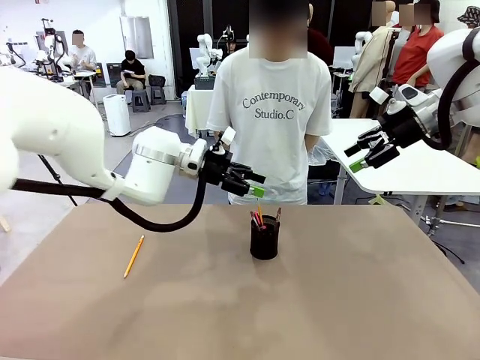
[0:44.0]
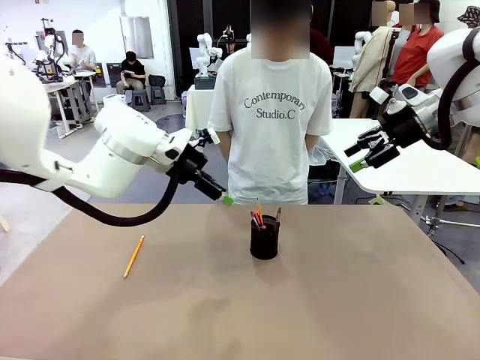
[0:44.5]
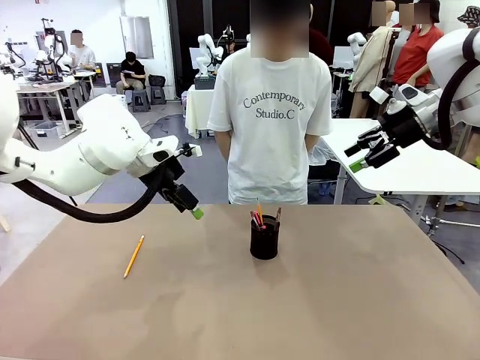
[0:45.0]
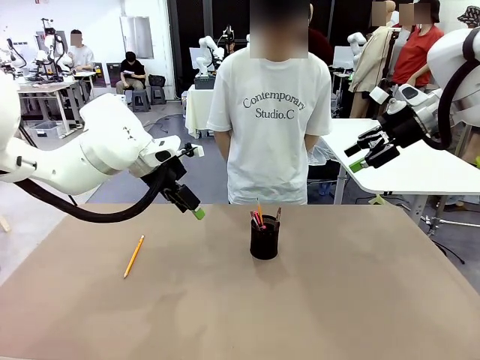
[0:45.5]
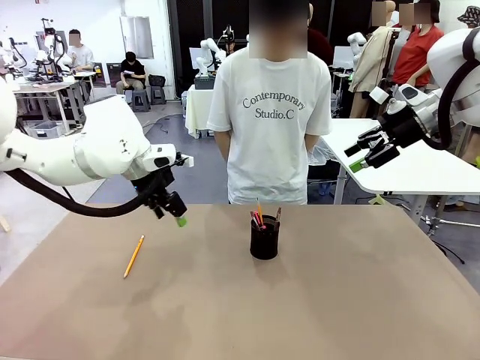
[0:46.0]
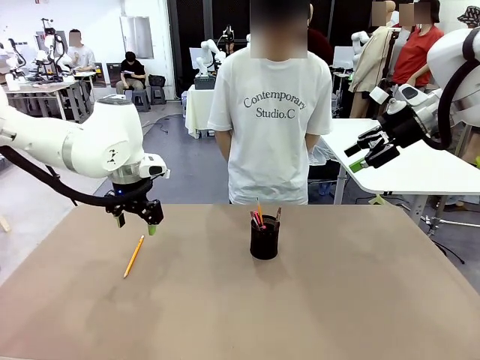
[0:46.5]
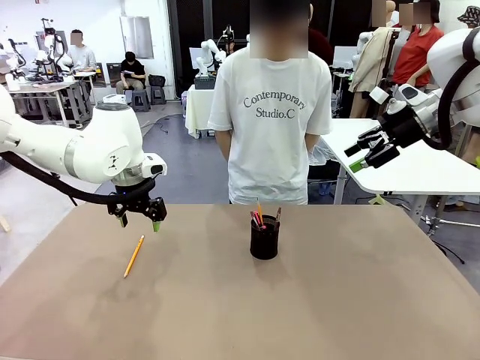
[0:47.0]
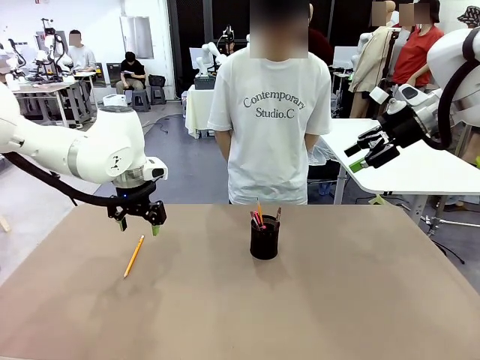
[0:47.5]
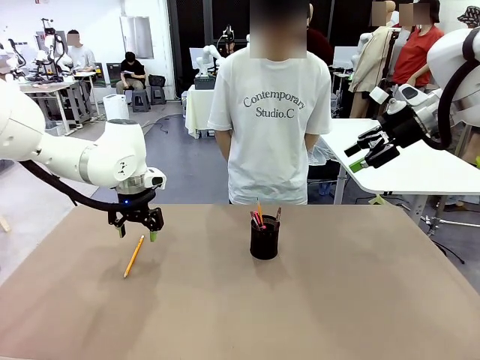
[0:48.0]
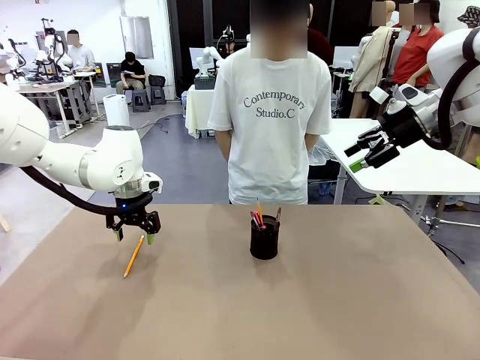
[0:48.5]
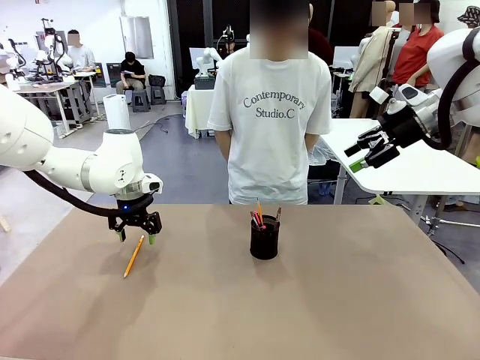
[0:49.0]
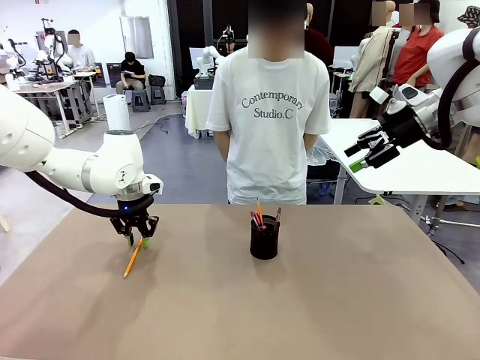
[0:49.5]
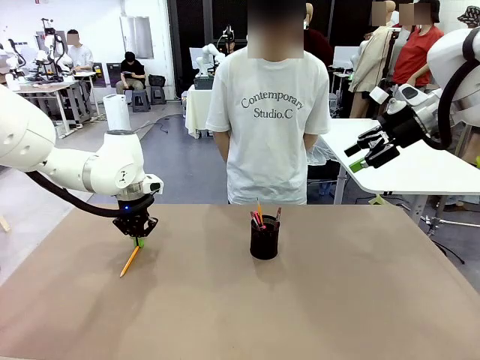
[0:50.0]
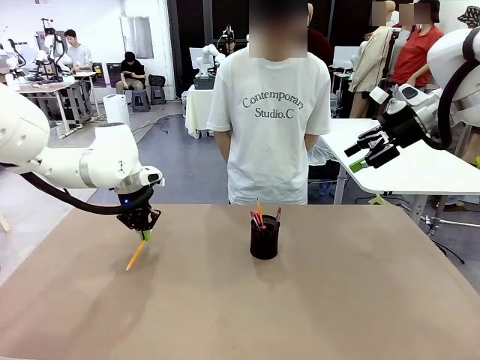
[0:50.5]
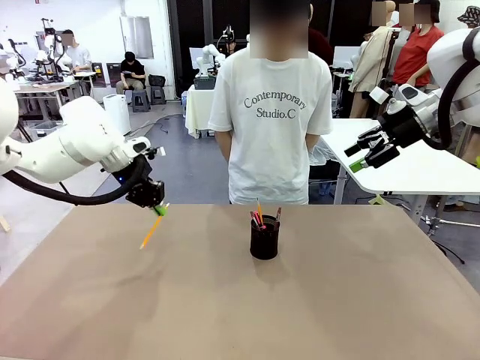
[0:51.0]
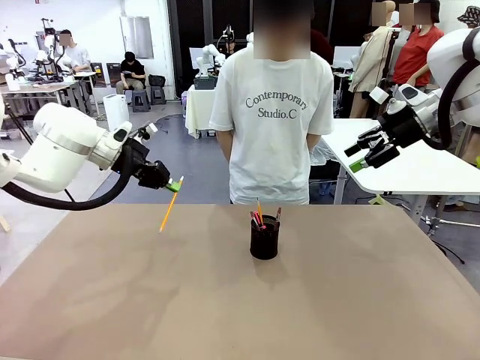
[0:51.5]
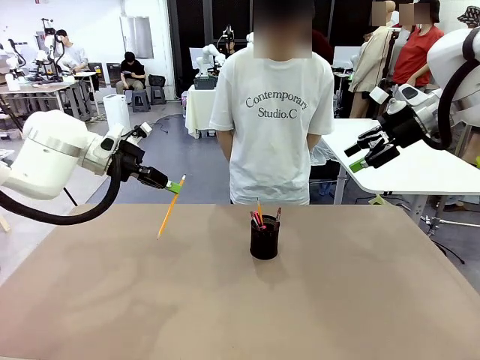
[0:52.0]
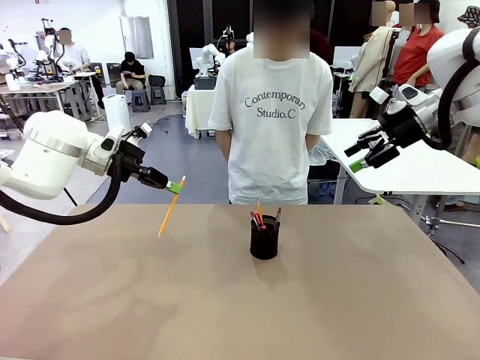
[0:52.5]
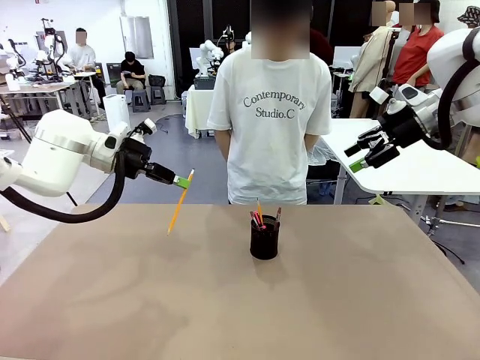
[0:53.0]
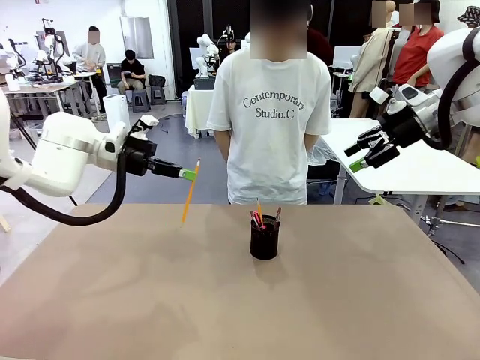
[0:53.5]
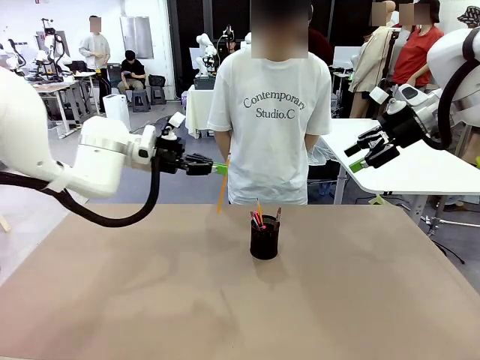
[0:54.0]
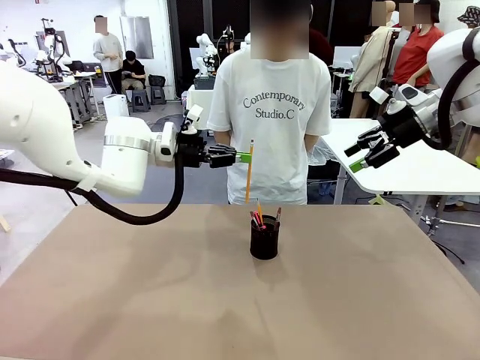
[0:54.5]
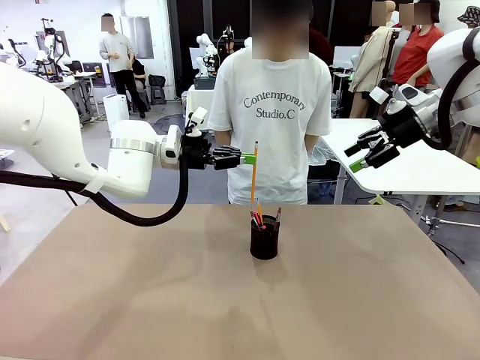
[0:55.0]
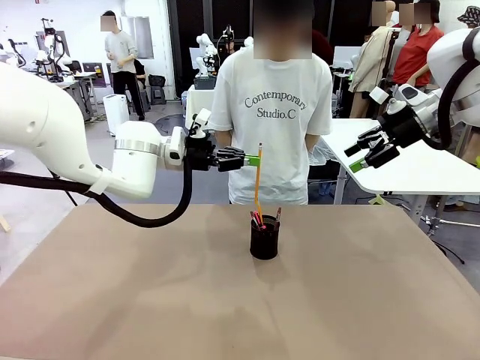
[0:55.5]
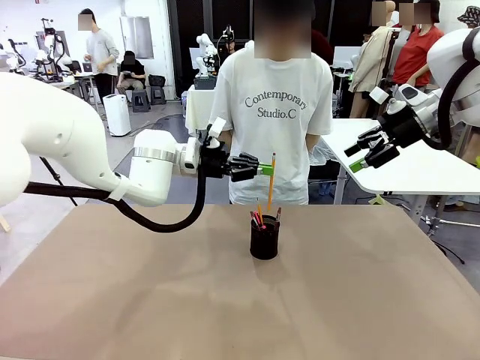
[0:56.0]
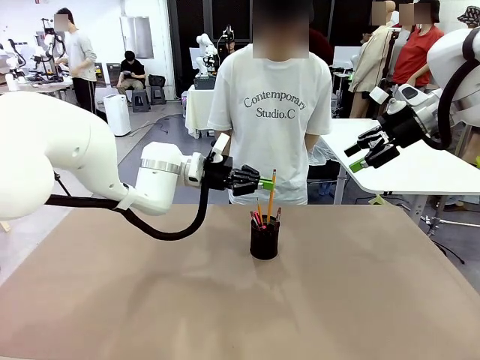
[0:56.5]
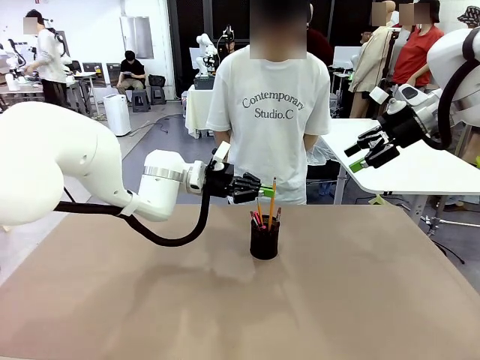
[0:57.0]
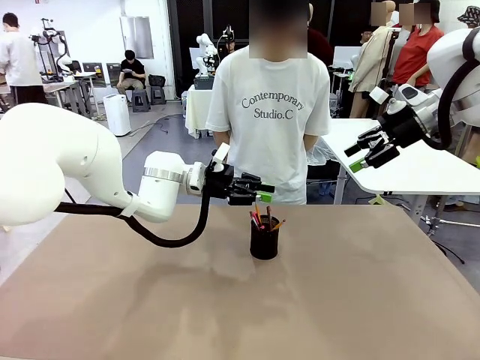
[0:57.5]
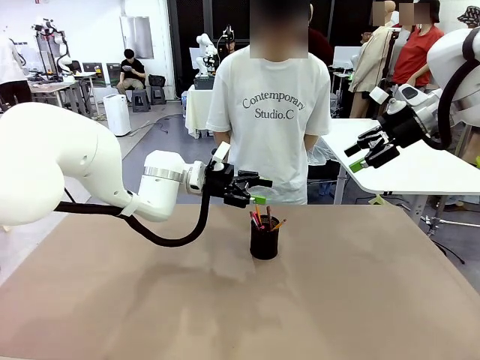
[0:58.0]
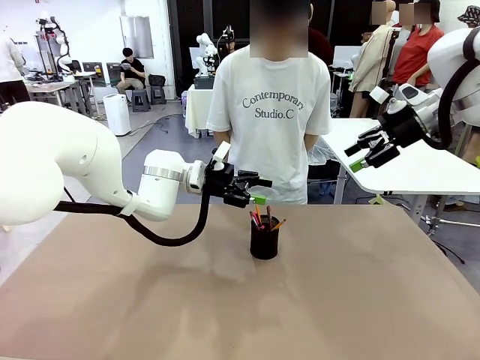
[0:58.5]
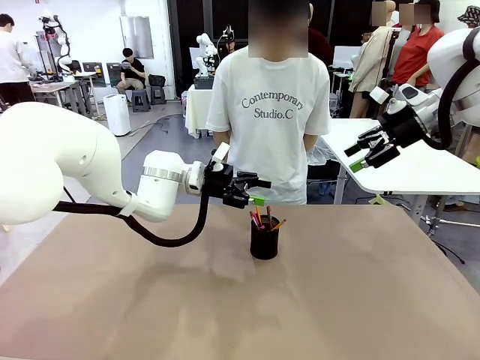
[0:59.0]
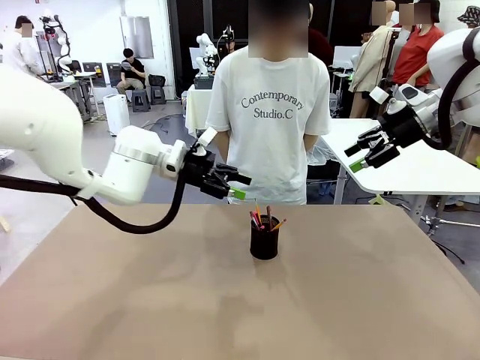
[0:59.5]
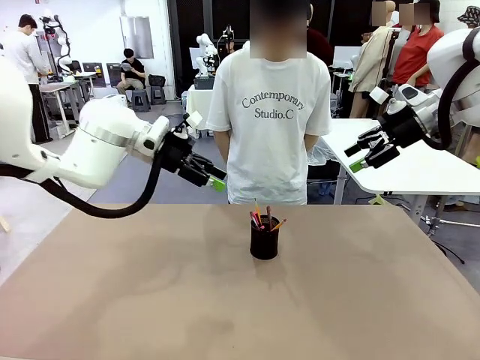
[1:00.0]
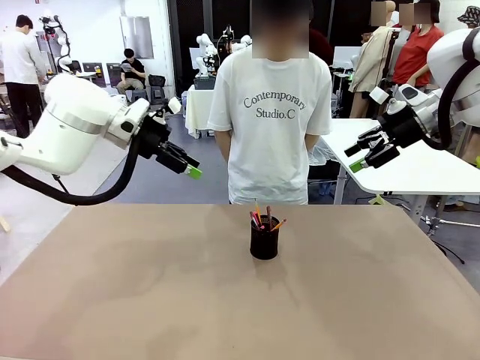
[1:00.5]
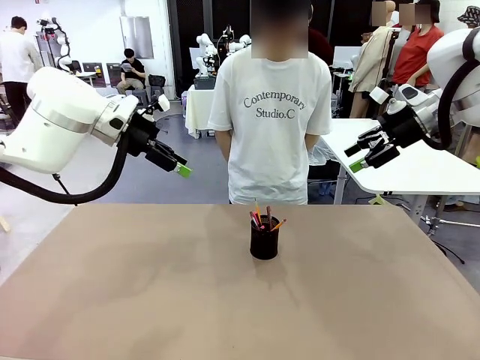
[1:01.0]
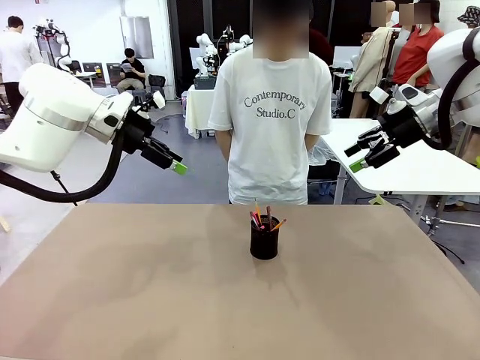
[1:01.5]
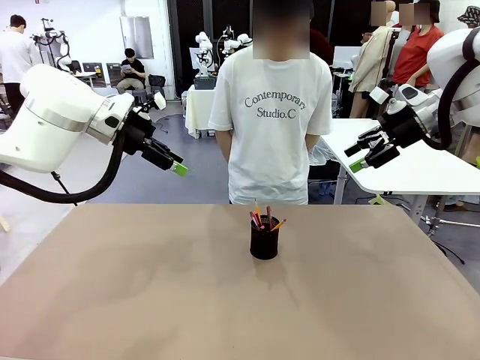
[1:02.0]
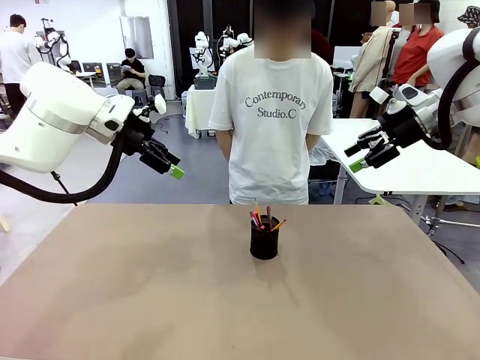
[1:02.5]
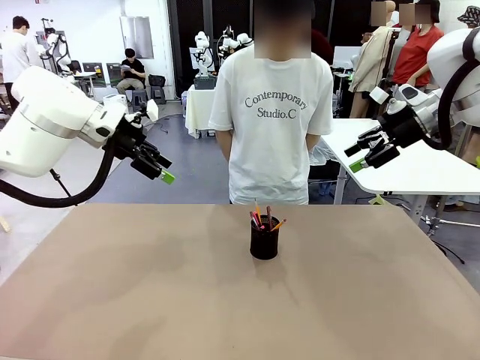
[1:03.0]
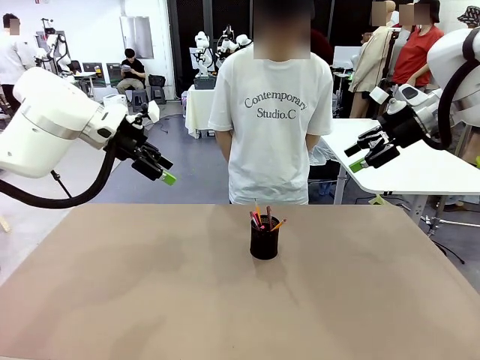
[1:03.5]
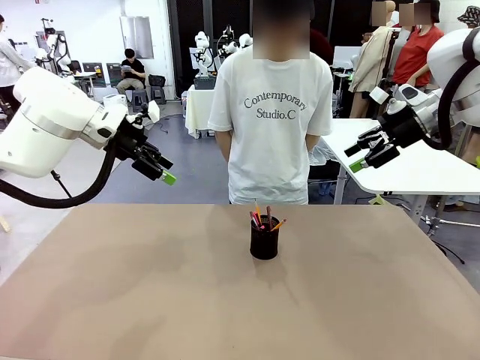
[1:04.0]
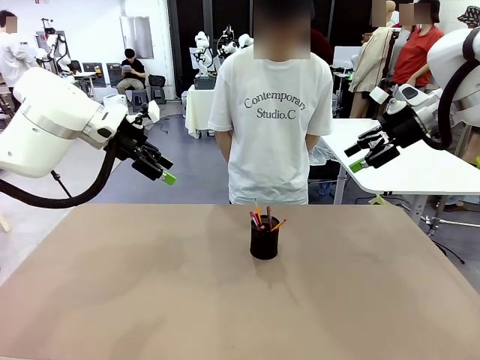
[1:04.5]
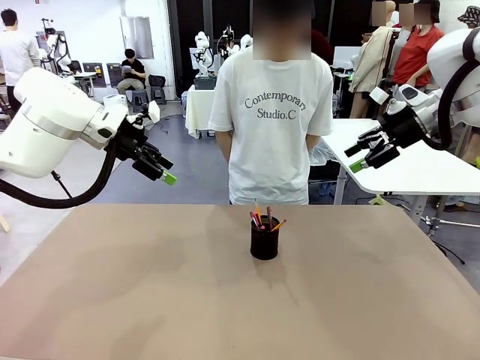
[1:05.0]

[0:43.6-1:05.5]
Task: Place the pens into the pen holder.
Robot: Pick up a writing instrument from the table and place it into the Pen holder.
